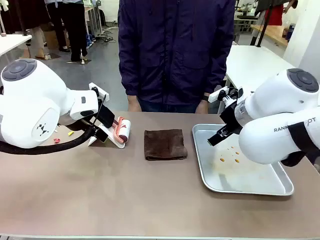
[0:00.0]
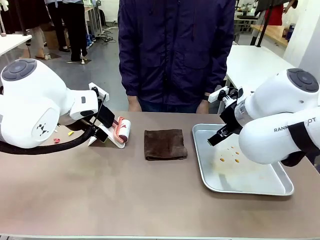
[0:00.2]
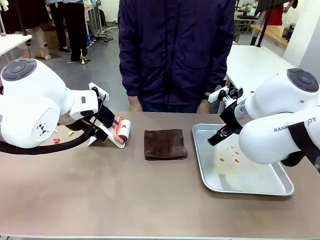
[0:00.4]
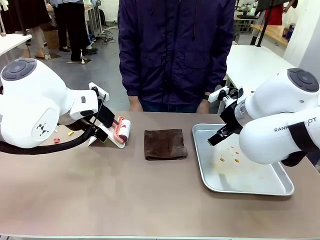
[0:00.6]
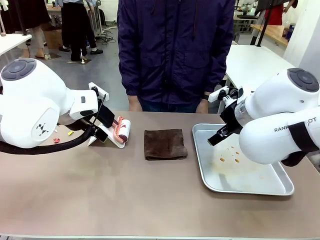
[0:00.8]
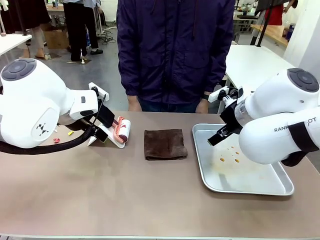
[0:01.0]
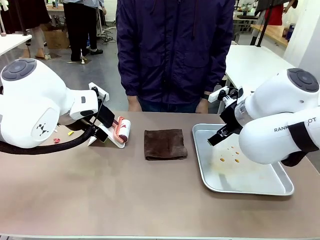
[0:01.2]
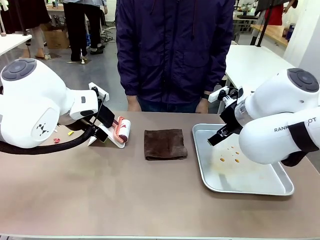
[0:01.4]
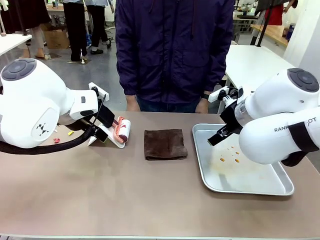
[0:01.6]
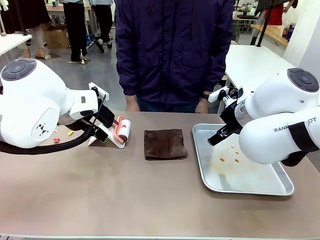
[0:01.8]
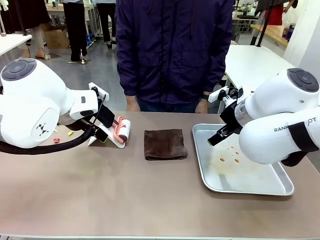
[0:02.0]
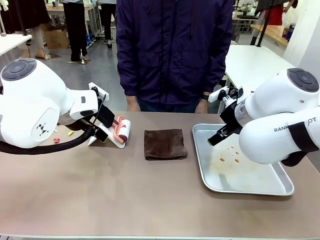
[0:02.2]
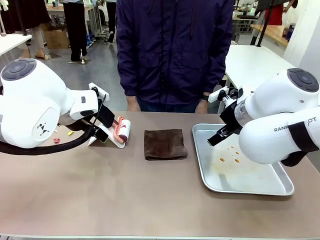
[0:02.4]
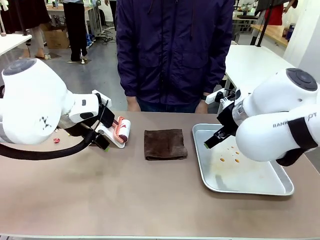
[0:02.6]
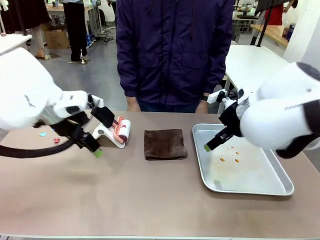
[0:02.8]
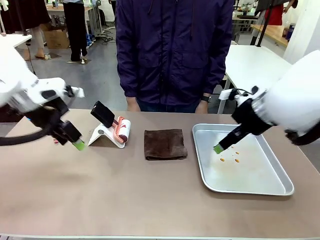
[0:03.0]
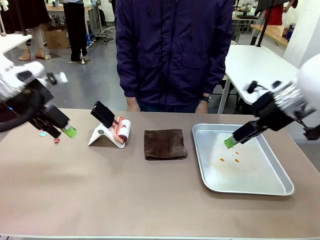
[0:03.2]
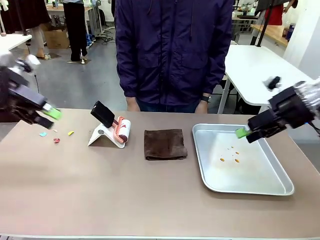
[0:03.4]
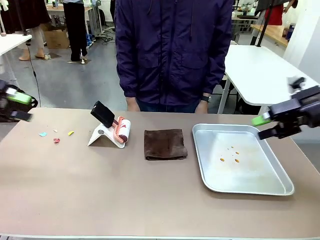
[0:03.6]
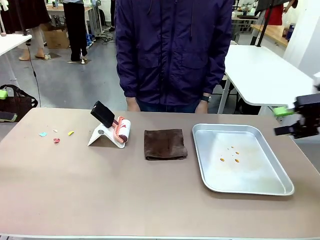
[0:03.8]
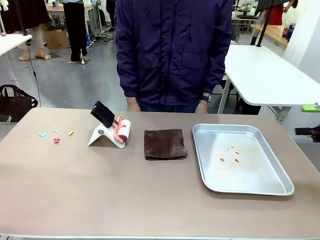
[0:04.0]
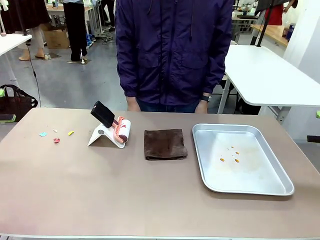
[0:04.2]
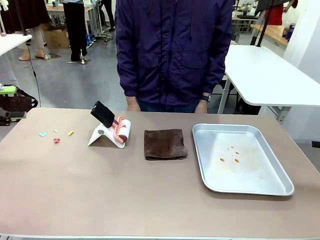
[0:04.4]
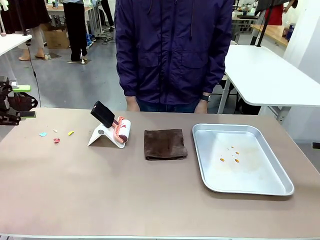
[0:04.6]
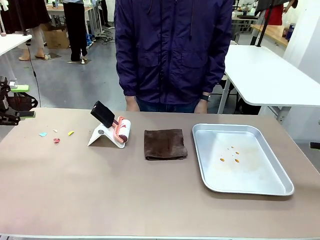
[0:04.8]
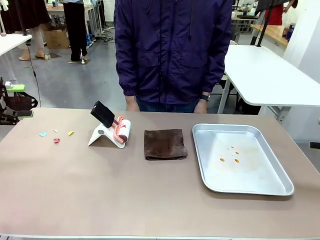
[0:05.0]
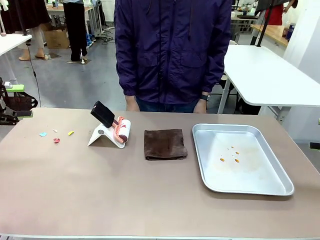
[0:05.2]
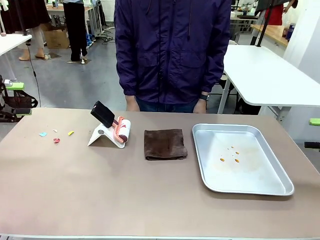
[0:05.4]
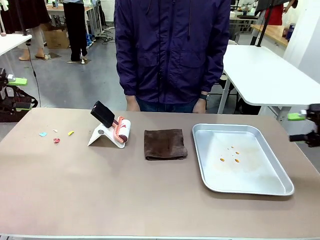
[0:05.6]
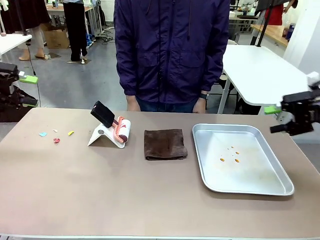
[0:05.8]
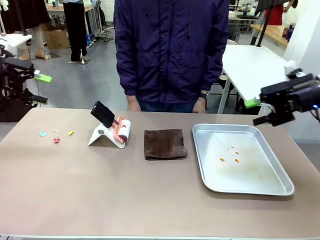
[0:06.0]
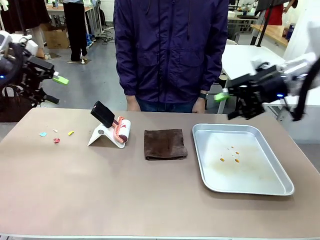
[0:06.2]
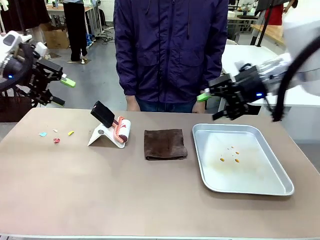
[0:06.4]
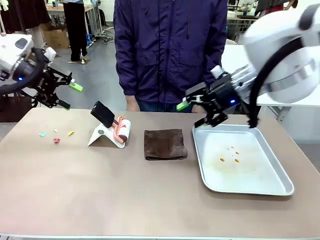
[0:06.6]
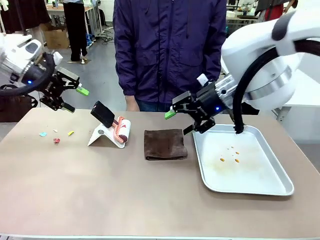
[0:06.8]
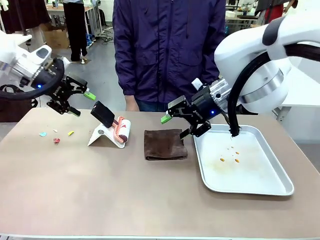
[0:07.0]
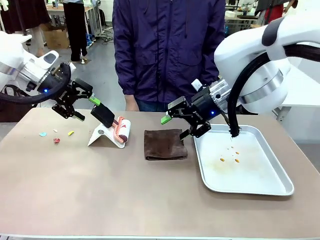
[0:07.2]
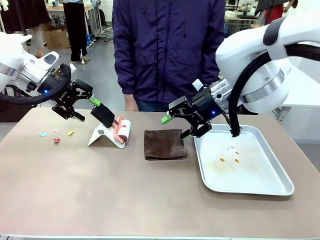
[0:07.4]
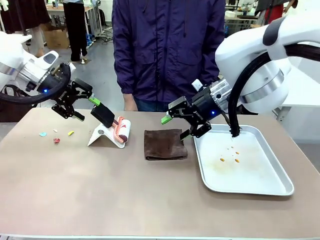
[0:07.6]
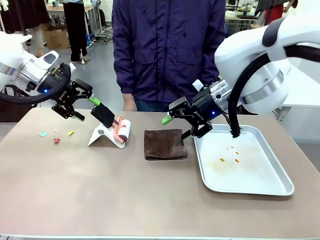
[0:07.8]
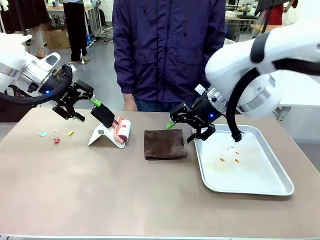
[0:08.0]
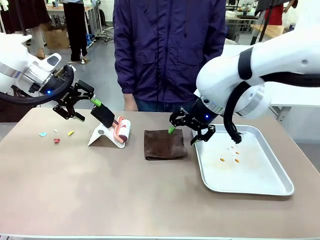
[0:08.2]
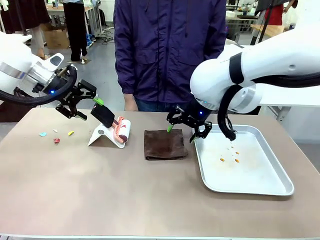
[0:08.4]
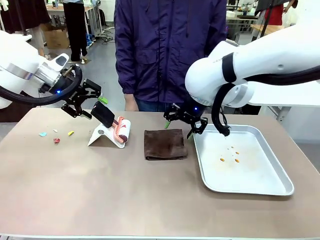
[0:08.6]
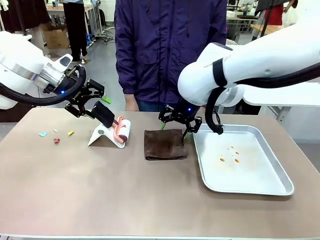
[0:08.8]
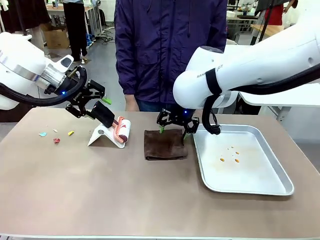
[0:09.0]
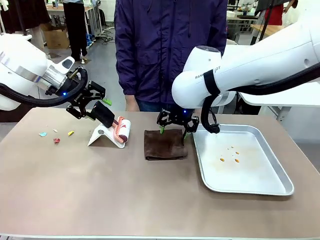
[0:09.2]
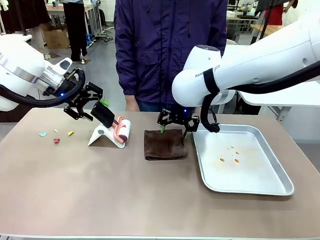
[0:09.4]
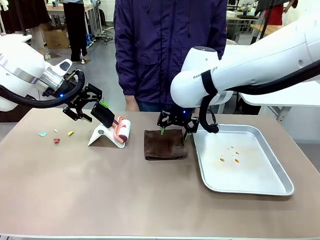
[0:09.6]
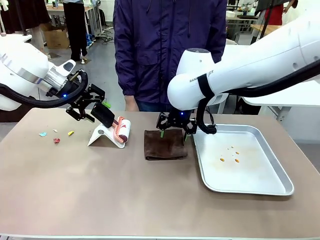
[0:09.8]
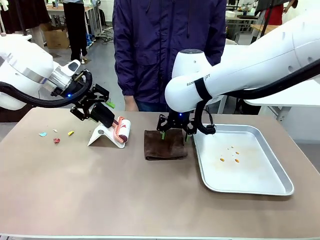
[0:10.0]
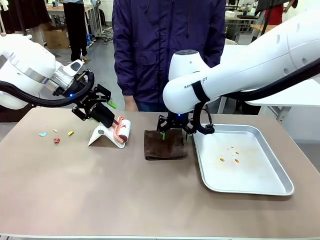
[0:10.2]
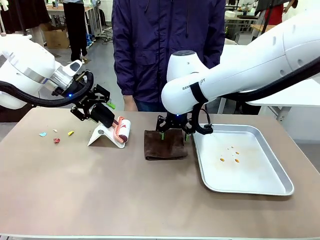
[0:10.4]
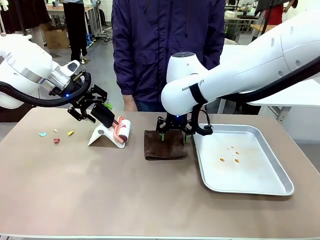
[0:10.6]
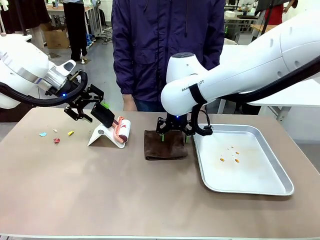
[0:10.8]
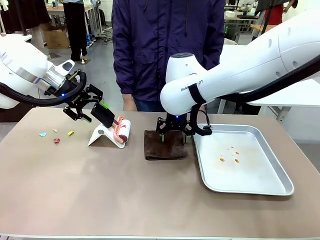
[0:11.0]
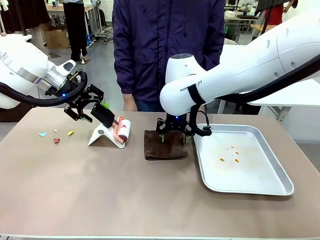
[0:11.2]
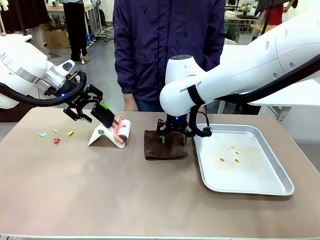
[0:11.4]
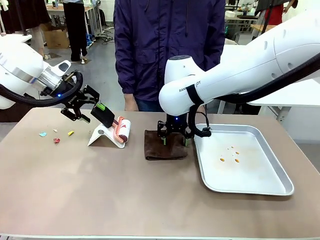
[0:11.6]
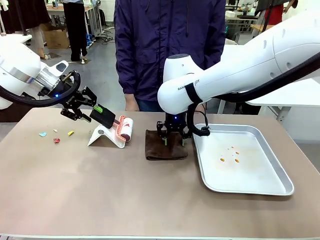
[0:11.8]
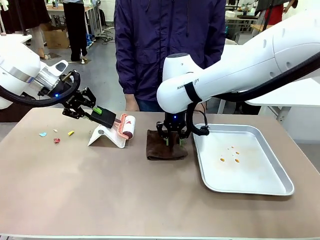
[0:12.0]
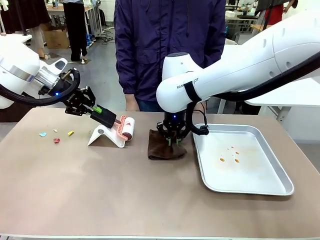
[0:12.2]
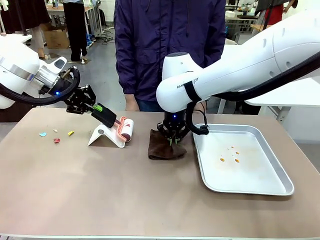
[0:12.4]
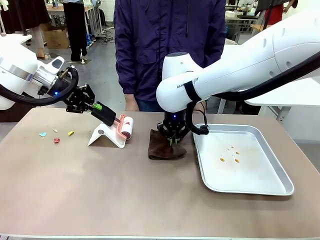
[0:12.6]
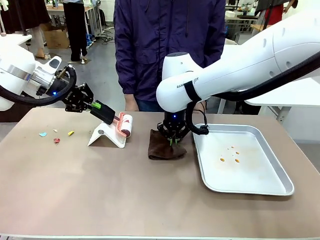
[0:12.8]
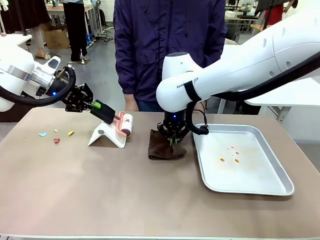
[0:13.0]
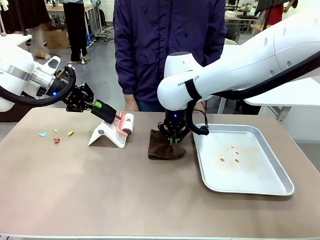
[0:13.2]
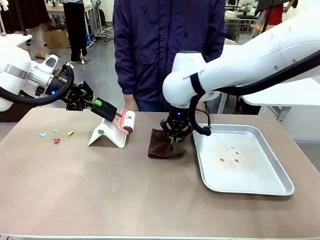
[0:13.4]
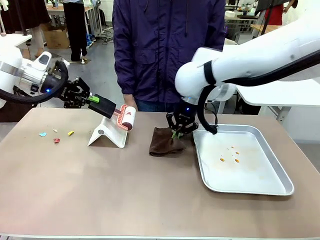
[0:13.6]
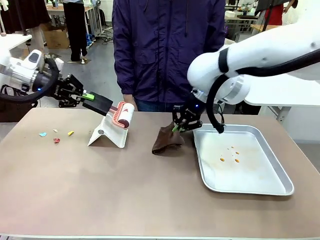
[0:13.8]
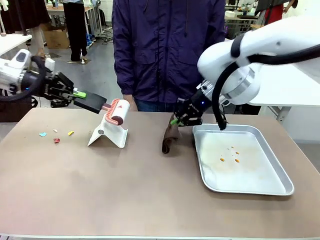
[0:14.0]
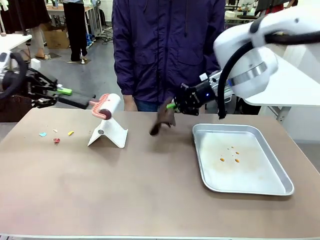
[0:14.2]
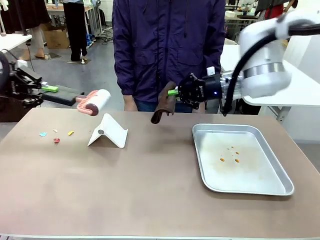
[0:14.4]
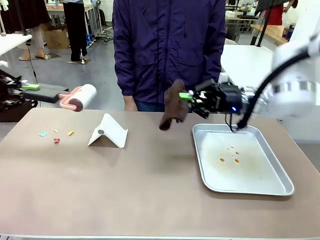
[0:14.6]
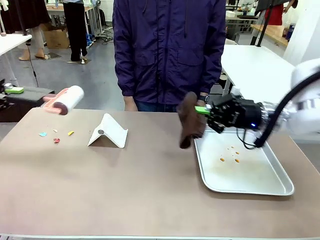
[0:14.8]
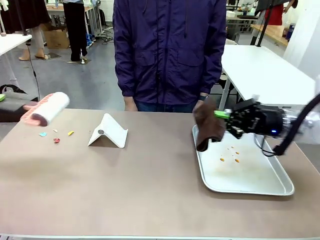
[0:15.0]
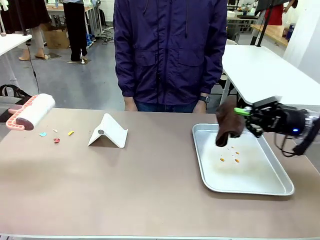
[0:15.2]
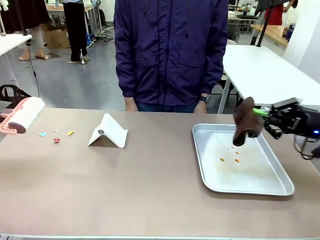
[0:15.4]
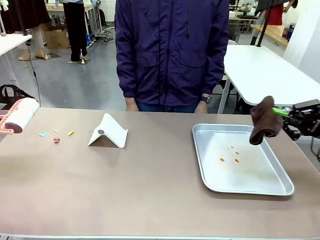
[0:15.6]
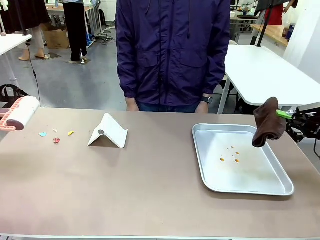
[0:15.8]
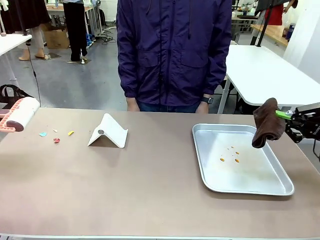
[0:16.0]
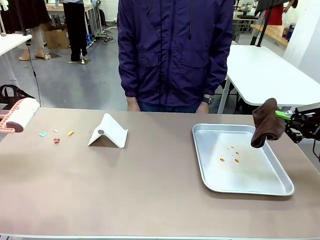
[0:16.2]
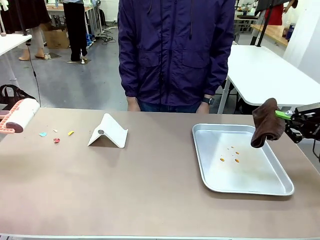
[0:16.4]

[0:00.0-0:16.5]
Task: Clean the surface of the table.
Robot: Hold the Lint Roller with your left hand and the towel with your right hand.
